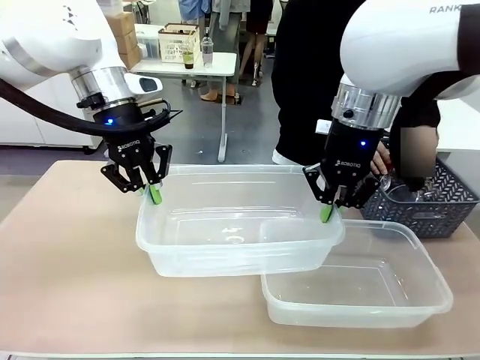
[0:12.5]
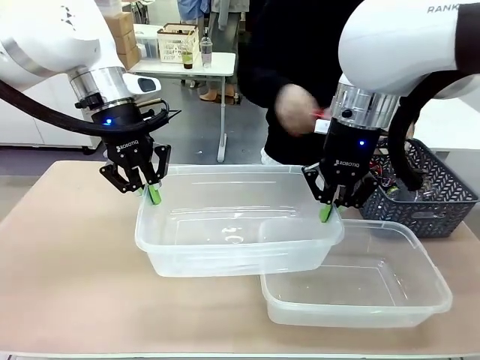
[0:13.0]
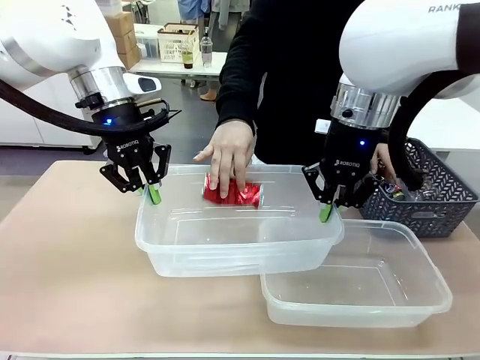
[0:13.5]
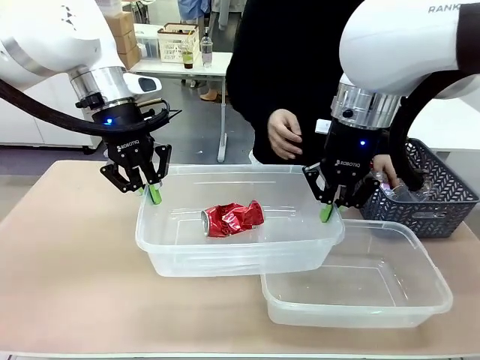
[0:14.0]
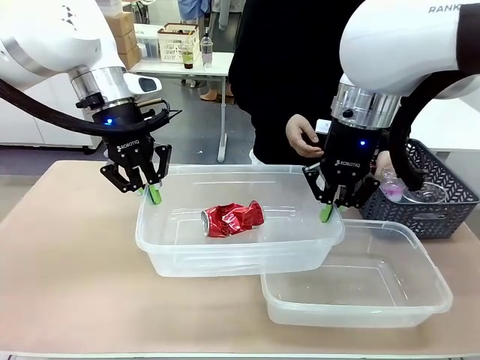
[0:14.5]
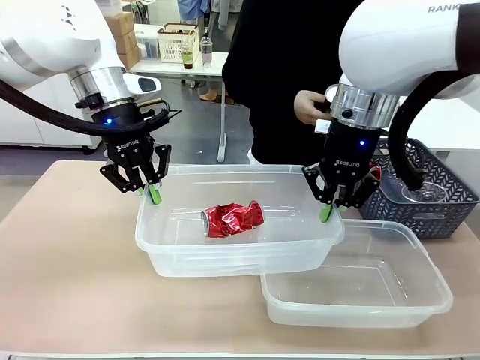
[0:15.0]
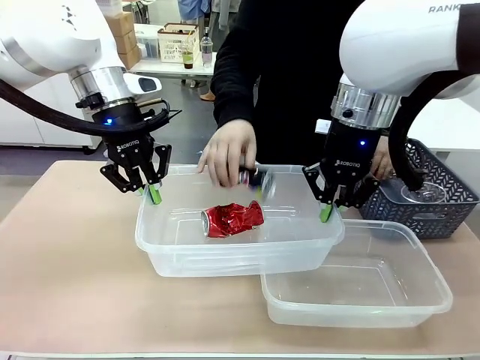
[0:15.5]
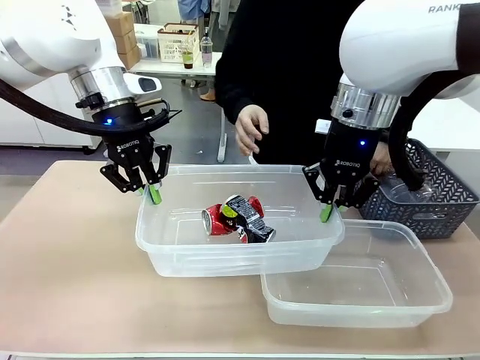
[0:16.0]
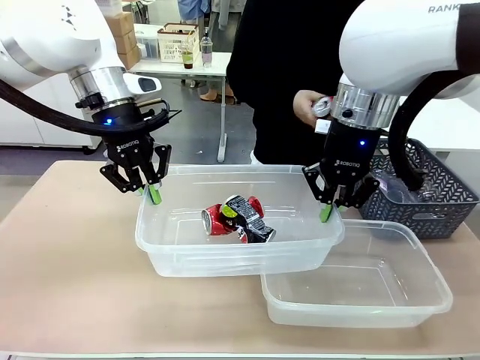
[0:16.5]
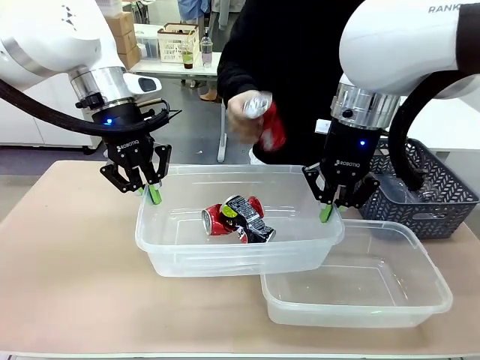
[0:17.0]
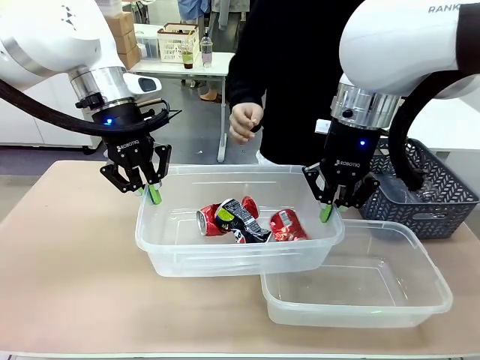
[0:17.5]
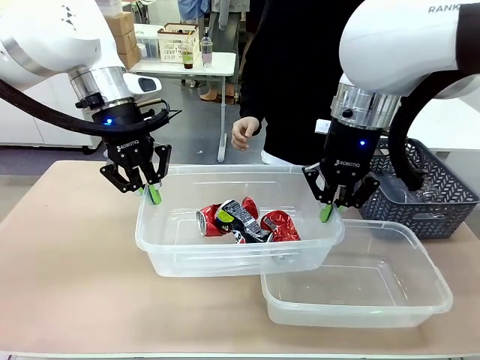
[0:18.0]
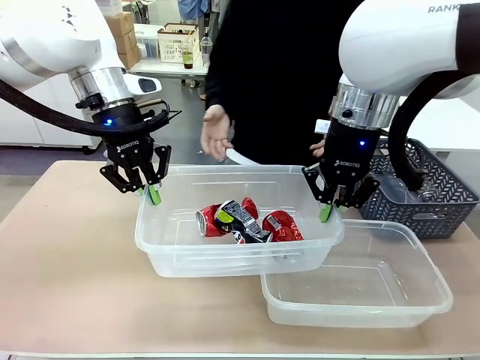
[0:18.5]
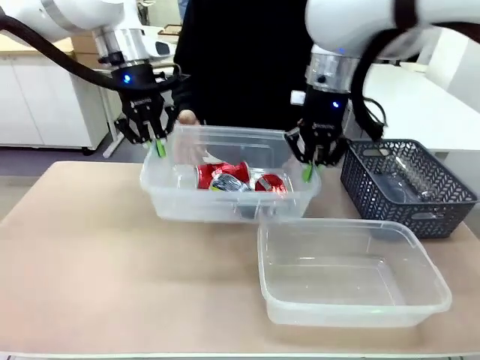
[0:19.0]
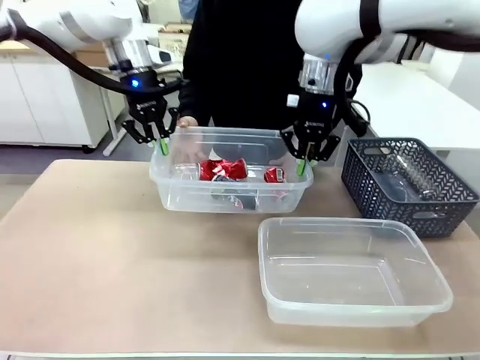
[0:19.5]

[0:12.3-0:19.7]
Robot: Offer the picked Organizing box to the human.

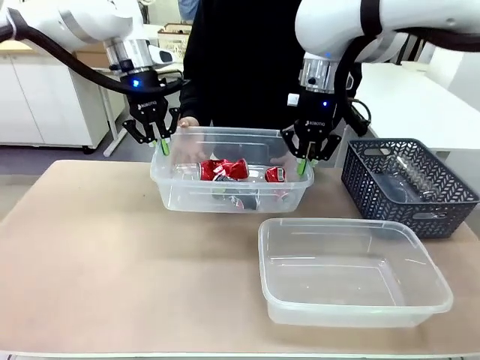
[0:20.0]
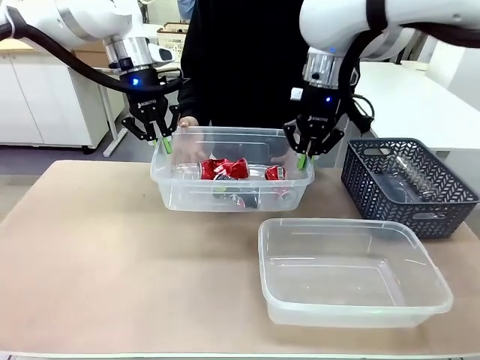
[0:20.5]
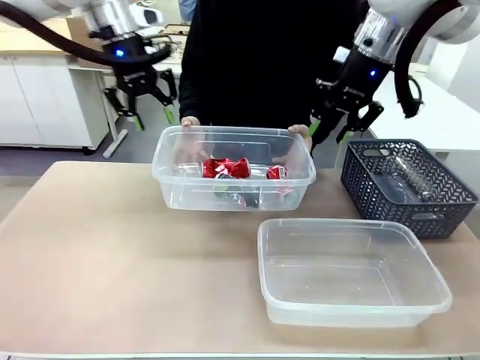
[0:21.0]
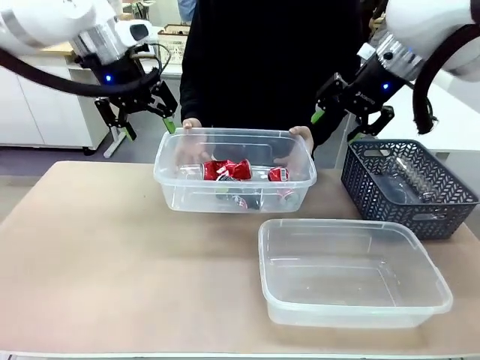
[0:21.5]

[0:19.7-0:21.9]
Robot: Release the Organizing box you were holding.

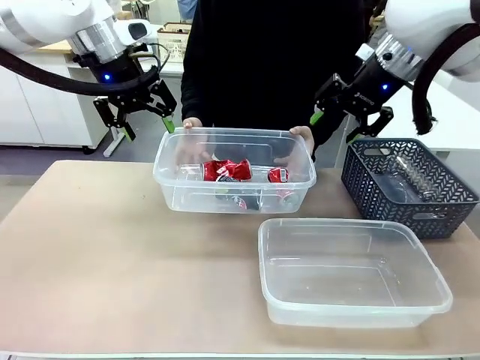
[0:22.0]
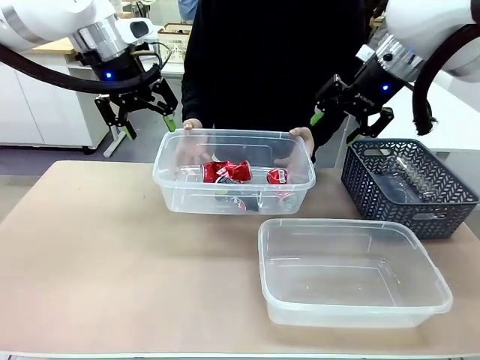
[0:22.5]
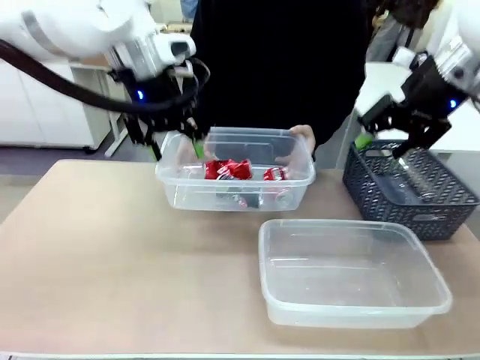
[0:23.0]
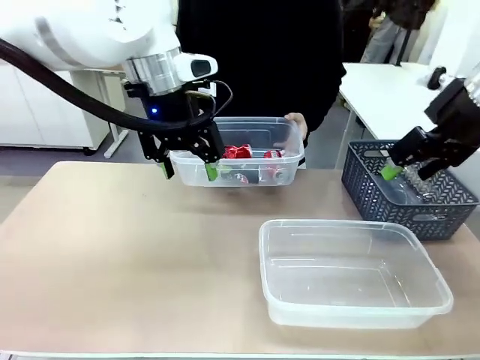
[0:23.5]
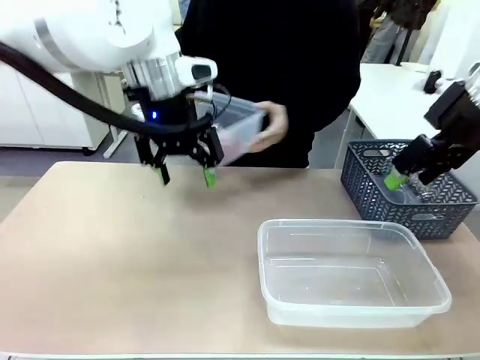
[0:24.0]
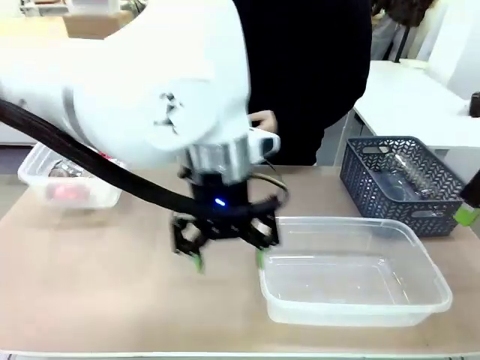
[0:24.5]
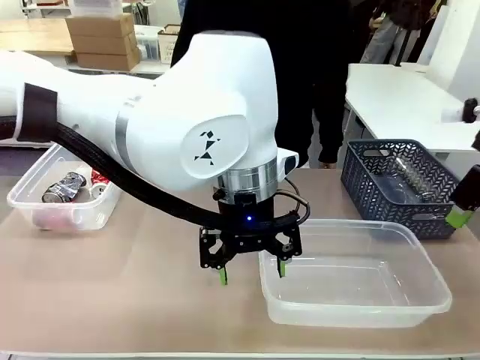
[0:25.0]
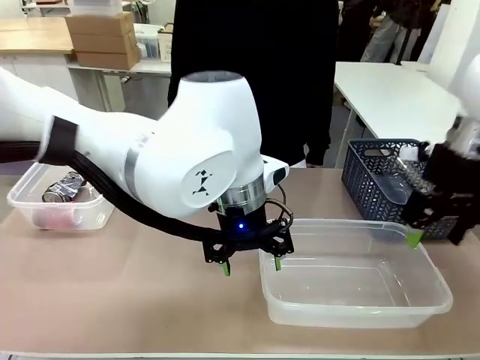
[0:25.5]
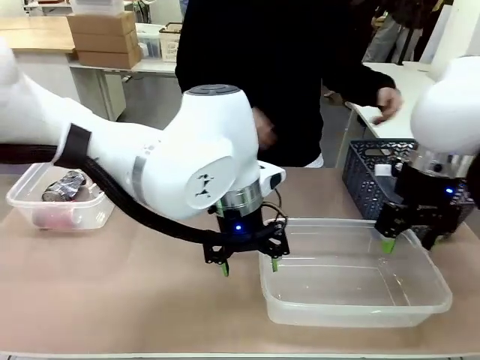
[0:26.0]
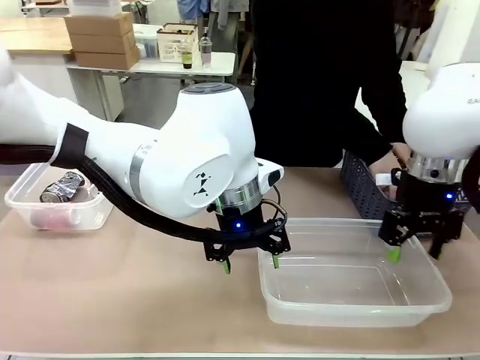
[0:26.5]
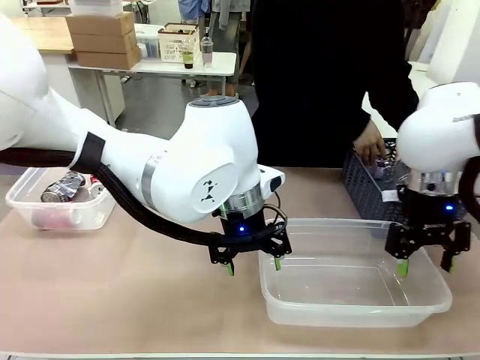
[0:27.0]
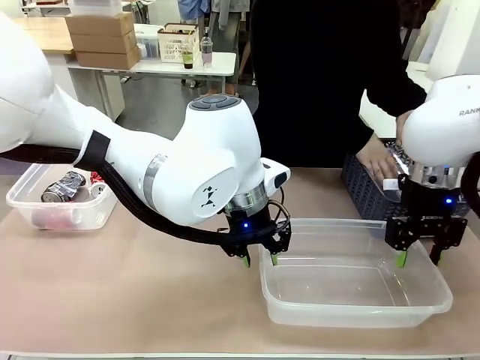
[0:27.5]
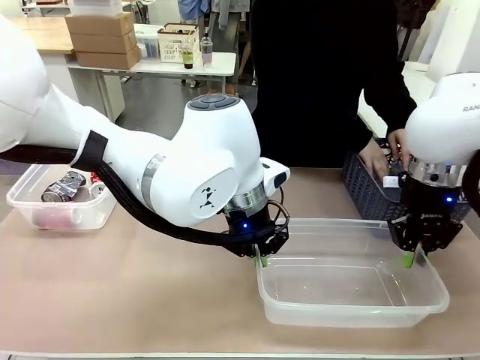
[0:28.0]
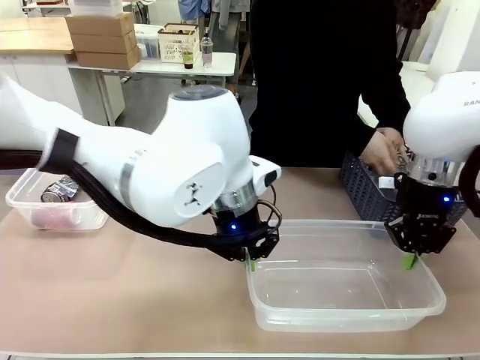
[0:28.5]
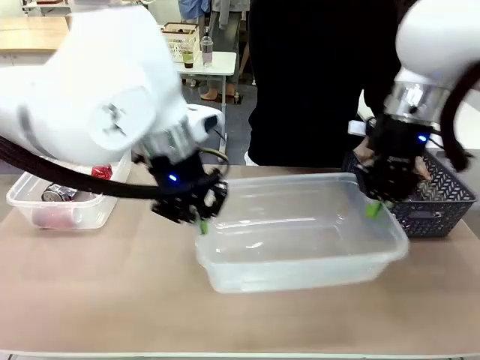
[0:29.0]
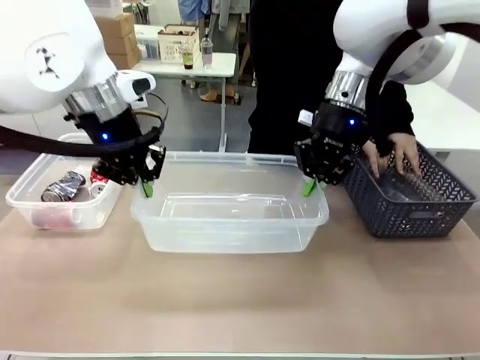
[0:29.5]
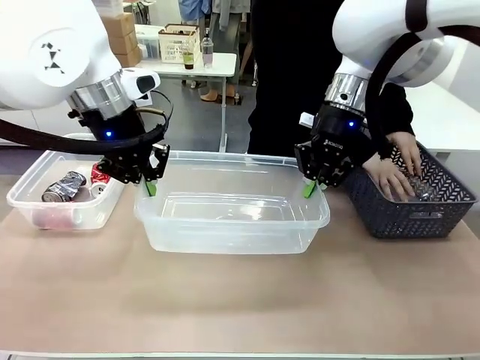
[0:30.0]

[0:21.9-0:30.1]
Robot: Pick up the Organizing box on the right side of the table and lift it.
Person: Place it at the edge of the bottom right area of the robot table.

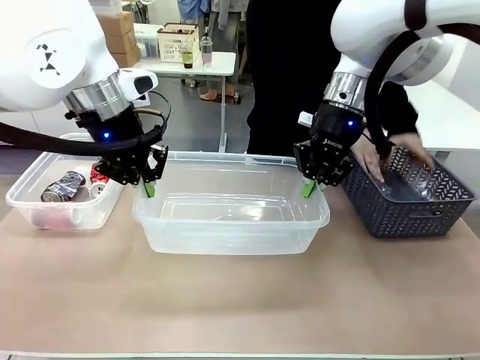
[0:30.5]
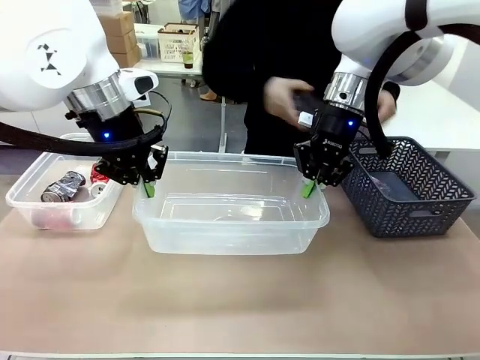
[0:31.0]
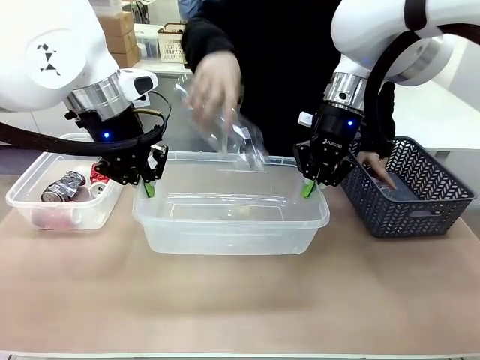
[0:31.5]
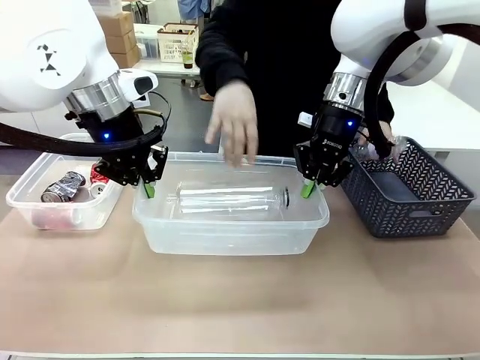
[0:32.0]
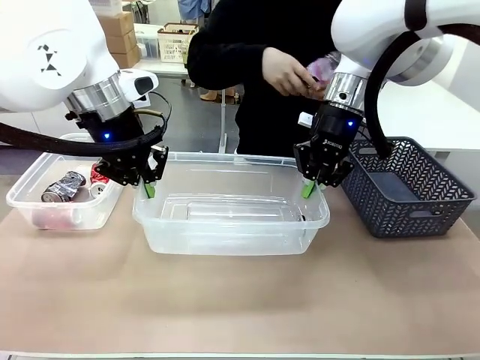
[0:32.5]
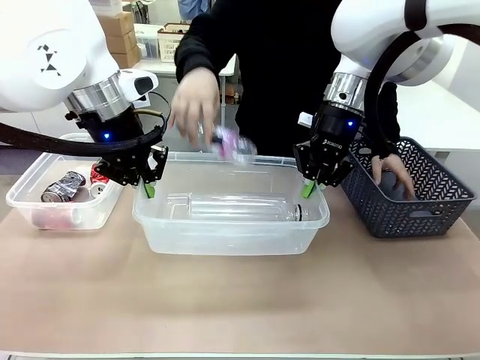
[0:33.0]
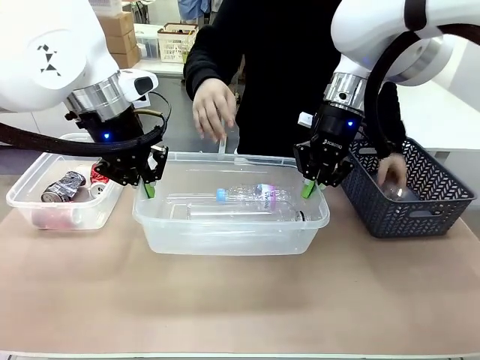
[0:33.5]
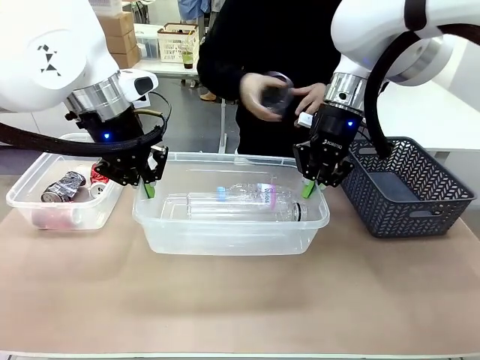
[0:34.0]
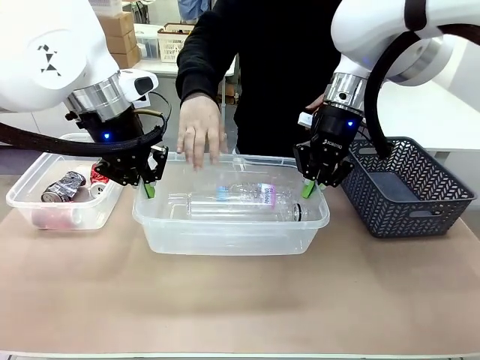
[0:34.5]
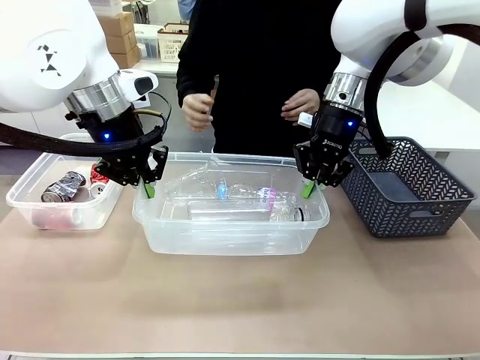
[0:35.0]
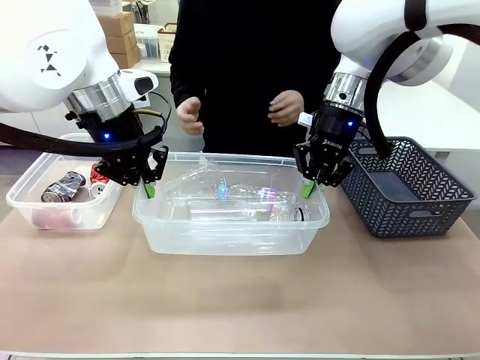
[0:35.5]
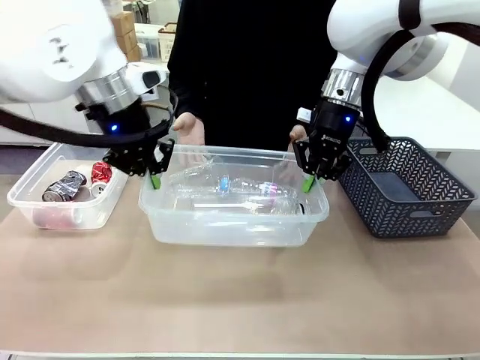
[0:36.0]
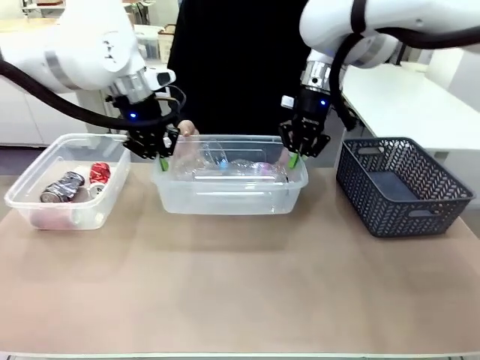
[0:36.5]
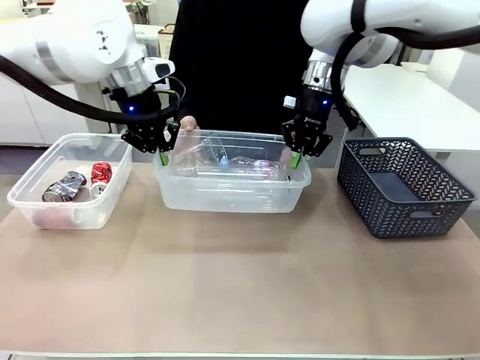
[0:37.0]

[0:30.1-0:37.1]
Robot: Offer the picked Organizing box to the human.
Person: Pick up plastic waste one by one and place it into the organizing box lifted by the robot. Pick up the organizing box extended by the robot.

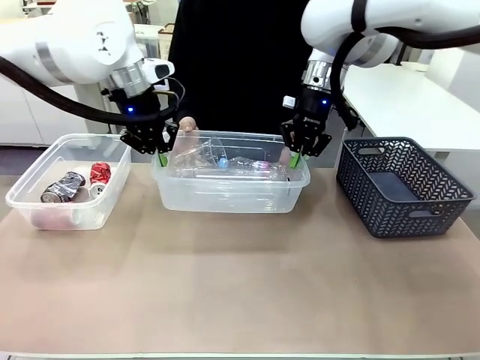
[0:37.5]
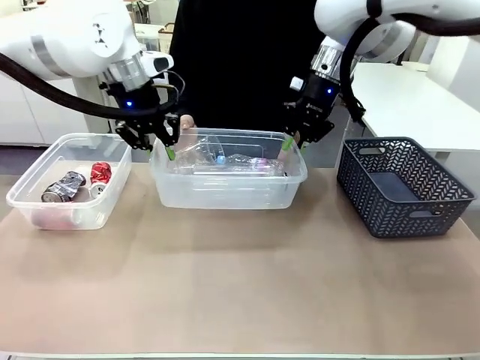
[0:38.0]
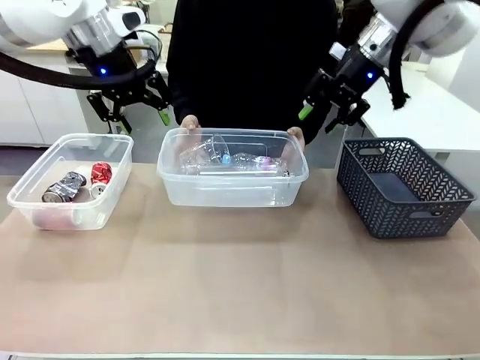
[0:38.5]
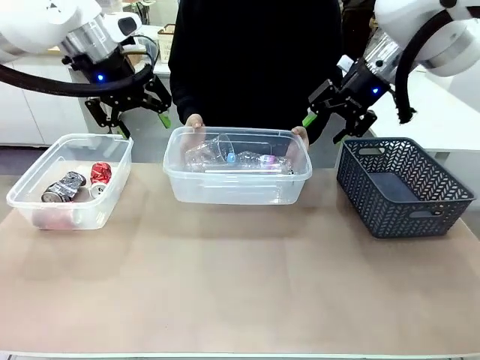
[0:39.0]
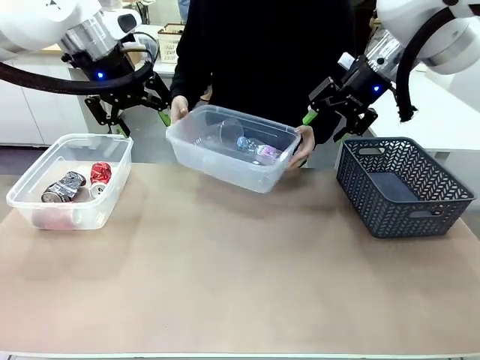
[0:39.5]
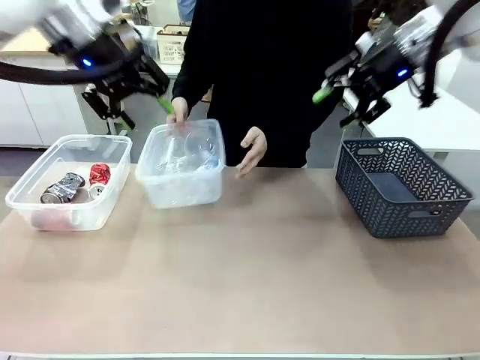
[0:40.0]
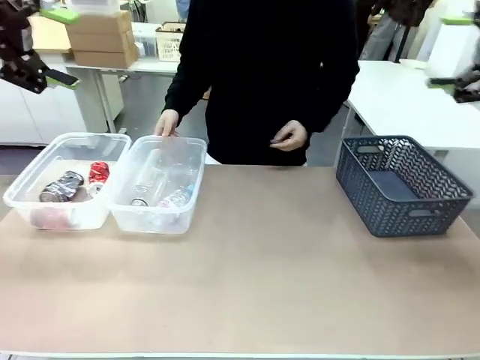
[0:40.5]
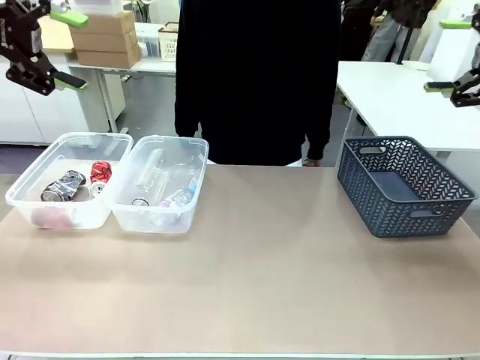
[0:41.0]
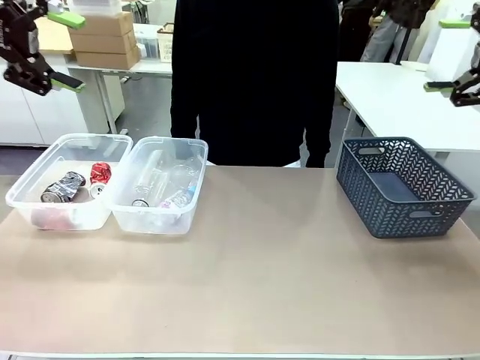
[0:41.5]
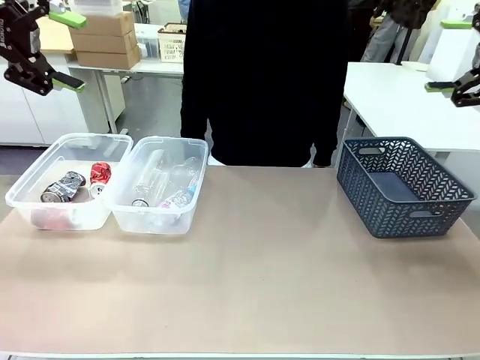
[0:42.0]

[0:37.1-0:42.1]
Robot: Release the Organizing box you were holding.
Person: Place the organizing box to the left of the sorting box containing the can waste.
